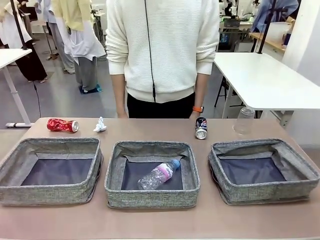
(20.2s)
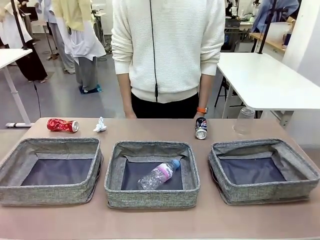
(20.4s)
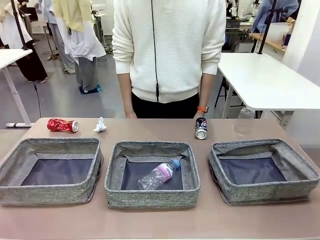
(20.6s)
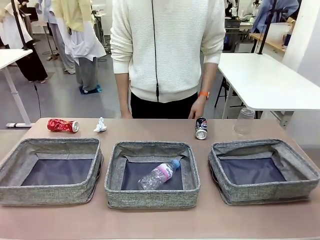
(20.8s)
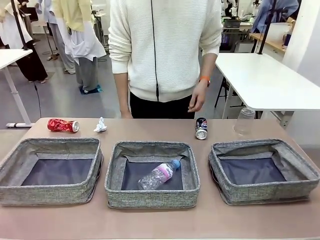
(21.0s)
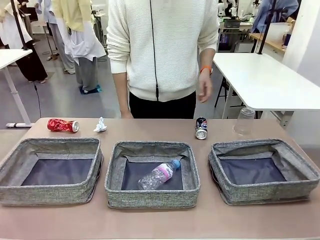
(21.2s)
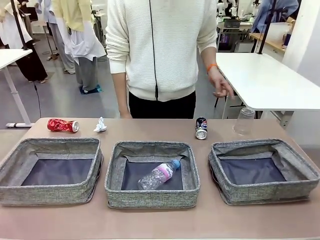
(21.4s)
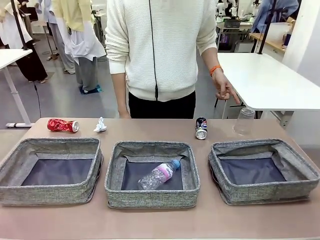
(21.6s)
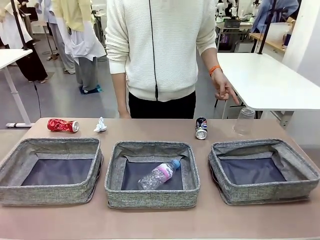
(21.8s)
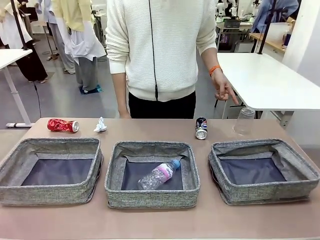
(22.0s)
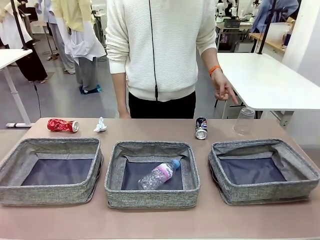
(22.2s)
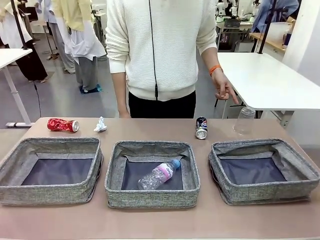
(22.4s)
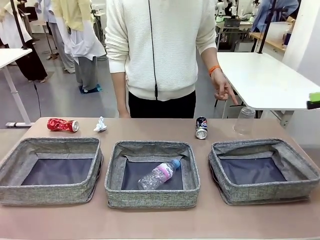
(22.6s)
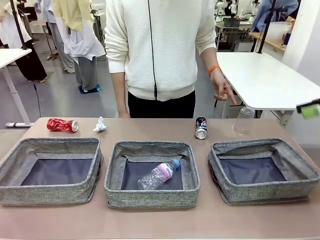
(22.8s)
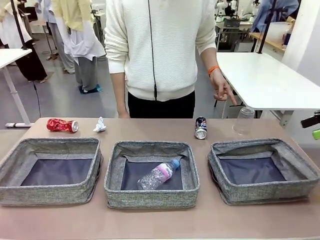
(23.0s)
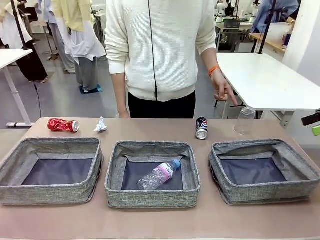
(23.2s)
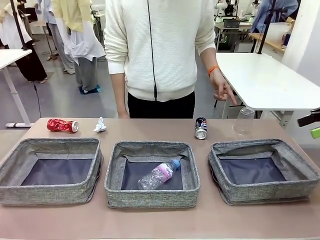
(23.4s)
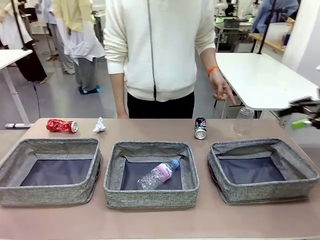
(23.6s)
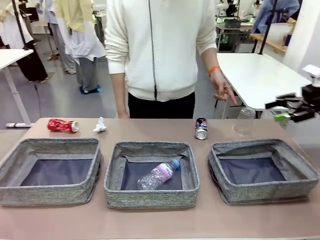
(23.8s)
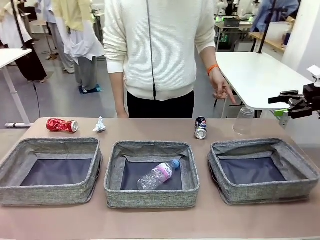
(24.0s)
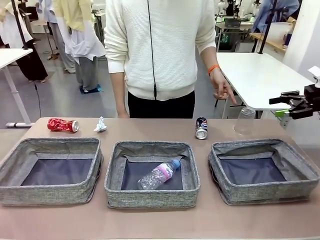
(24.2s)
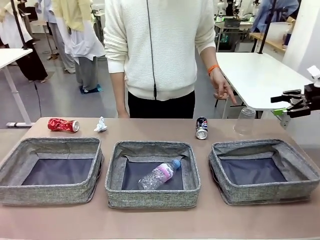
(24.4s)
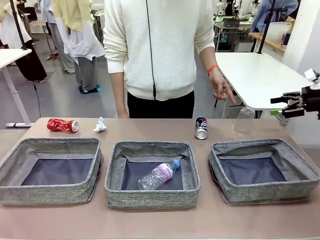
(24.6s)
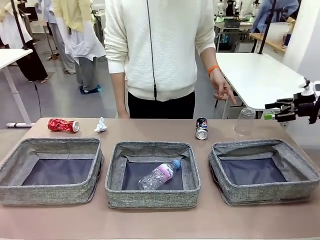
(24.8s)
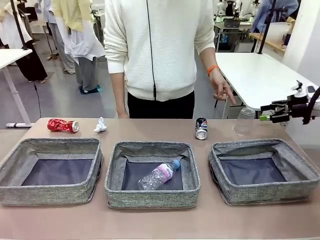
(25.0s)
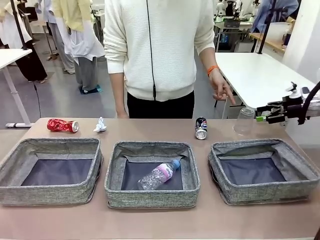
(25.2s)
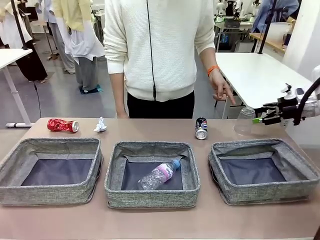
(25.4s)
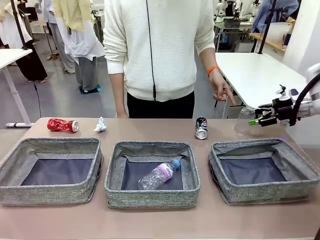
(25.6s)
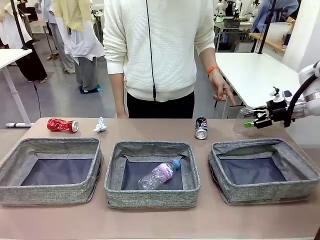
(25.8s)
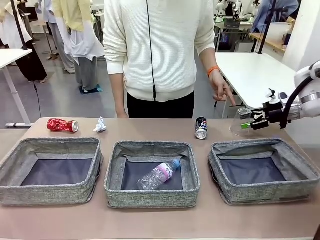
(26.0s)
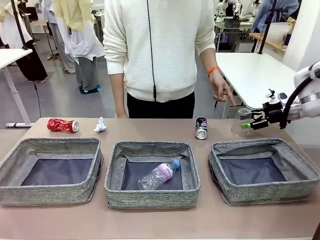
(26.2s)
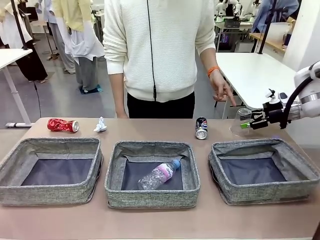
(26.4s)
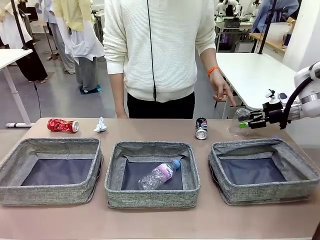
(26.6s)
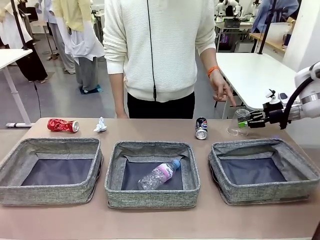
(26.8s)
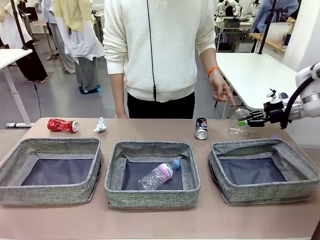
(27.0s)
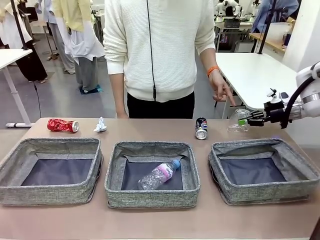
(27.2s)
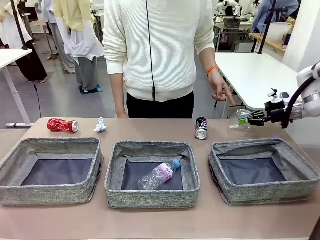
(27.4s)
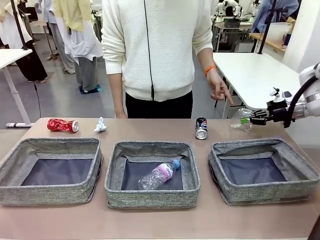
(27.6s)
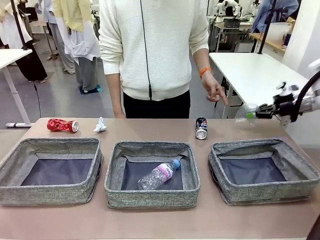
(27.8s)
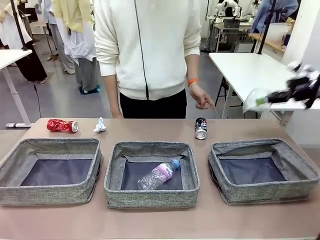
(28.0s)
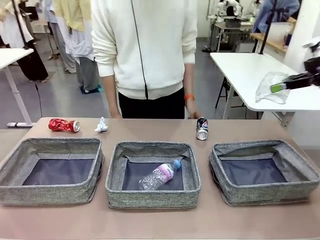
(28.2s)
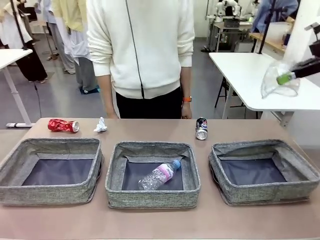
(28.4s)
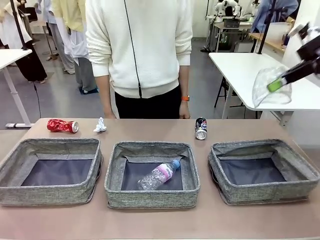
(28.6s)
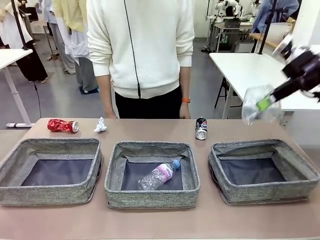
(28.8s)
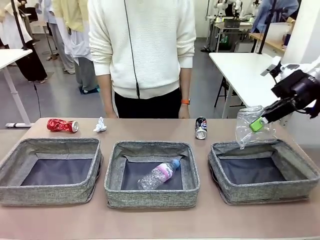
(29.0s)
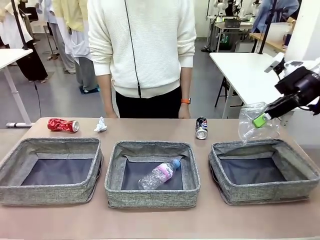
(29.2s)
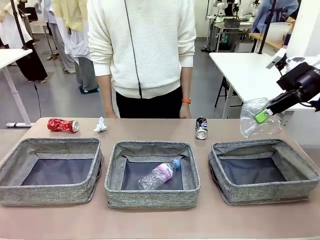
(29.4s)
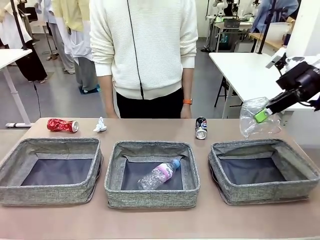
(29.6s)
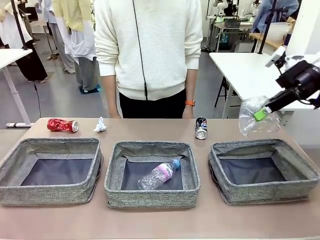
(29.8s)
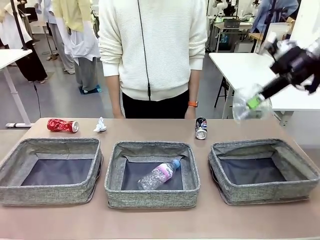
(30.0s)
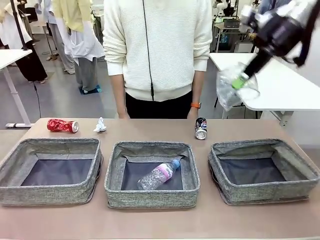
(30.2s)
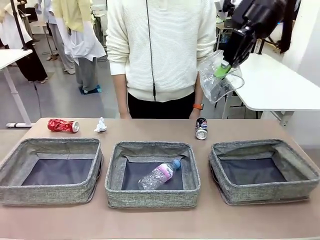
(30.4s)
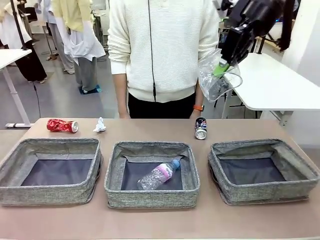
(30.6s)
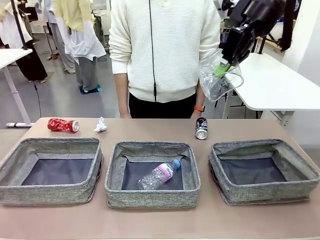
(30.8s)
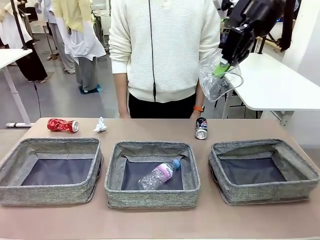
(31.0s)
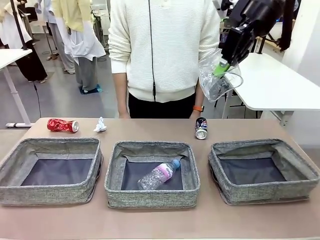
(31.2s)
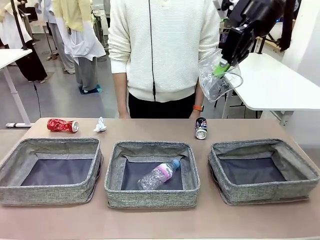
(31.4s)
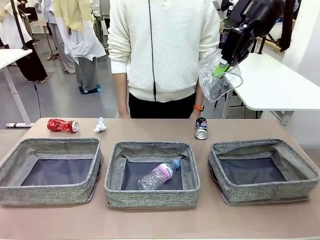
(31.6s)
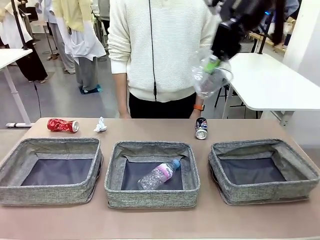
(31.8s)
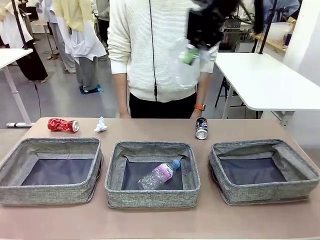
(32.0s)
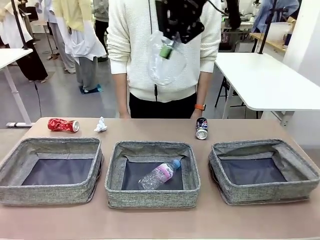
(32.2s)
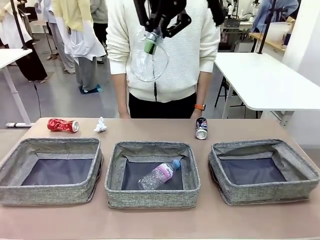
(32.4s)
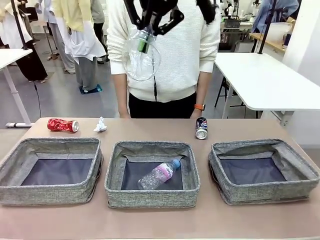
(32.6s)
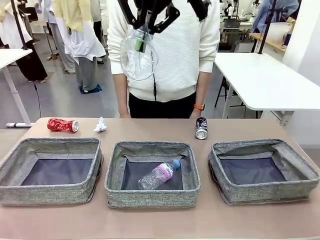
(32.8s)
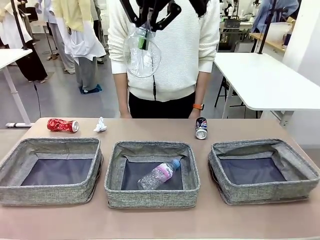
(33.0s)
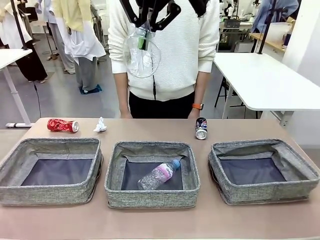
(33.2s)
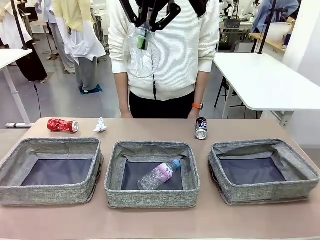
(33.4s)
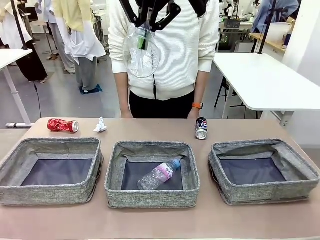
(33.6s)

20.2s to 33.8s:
Task: Sort the waste into the appropriate baskets.
Robot: Pick up the waste item pointed out by the person.
Person: Points to one piece of trash on the table.

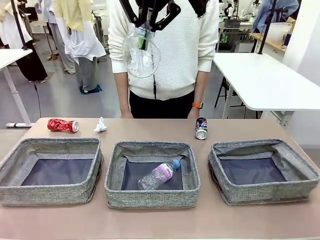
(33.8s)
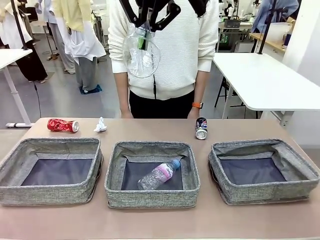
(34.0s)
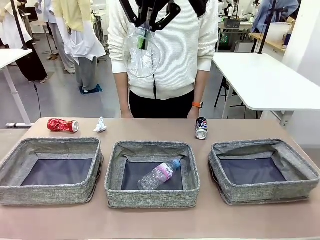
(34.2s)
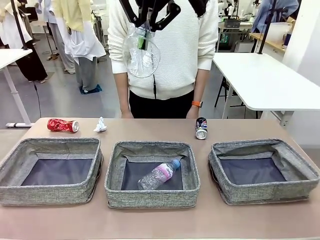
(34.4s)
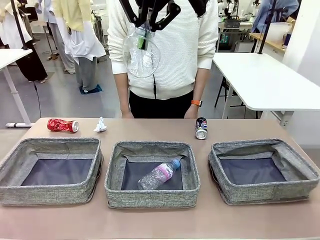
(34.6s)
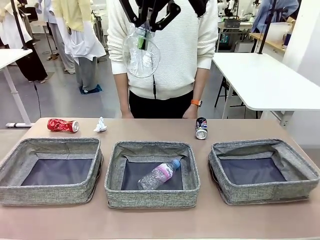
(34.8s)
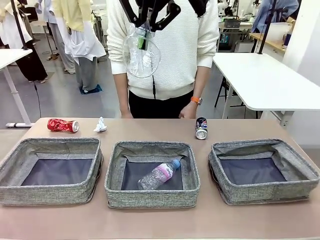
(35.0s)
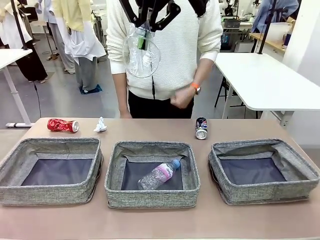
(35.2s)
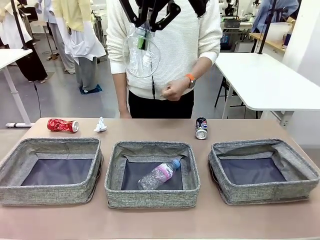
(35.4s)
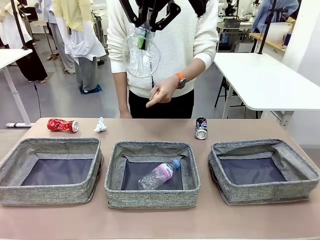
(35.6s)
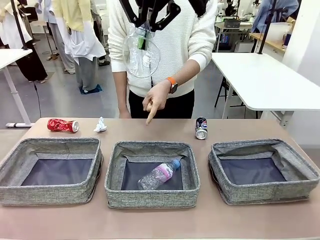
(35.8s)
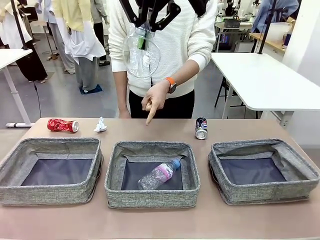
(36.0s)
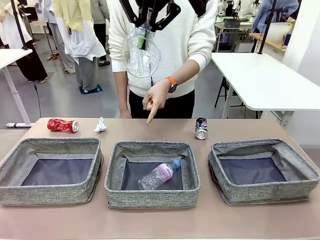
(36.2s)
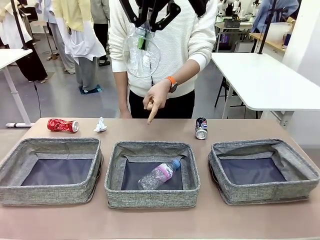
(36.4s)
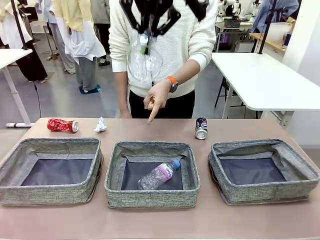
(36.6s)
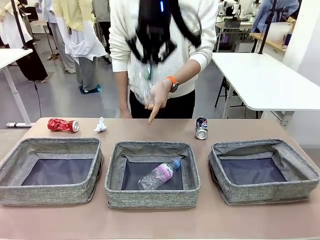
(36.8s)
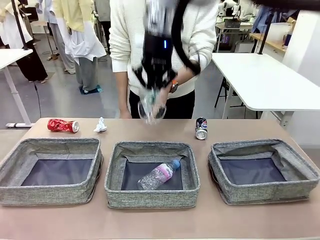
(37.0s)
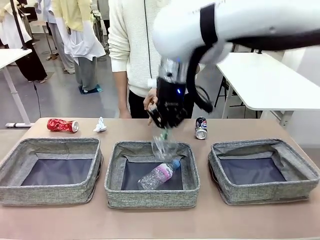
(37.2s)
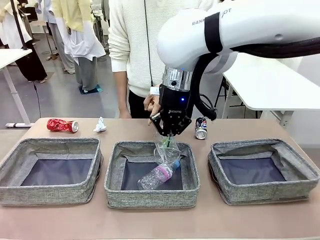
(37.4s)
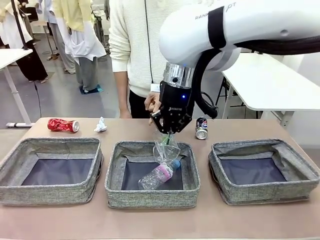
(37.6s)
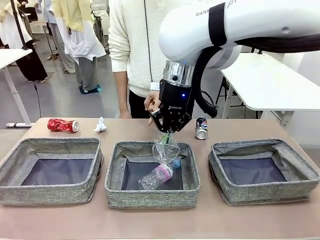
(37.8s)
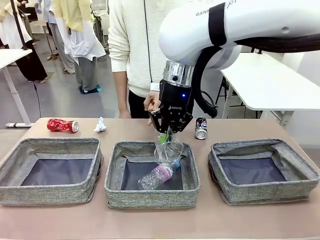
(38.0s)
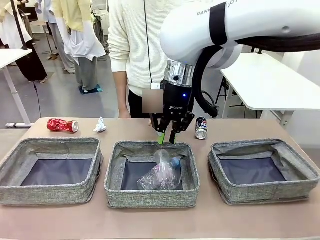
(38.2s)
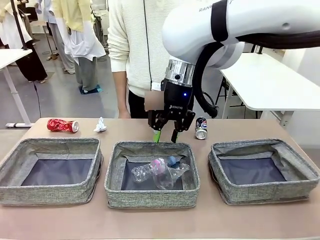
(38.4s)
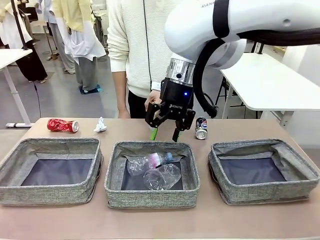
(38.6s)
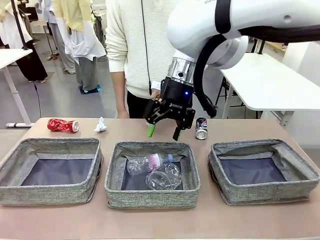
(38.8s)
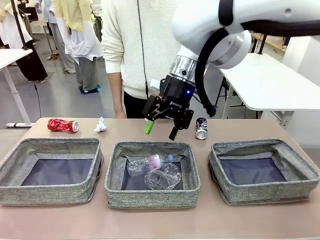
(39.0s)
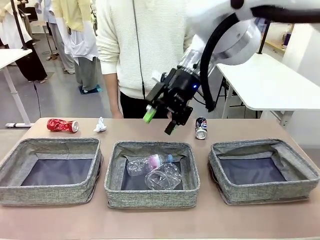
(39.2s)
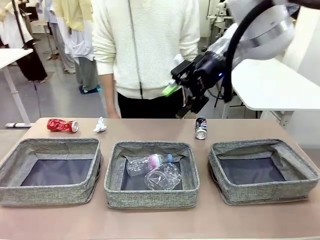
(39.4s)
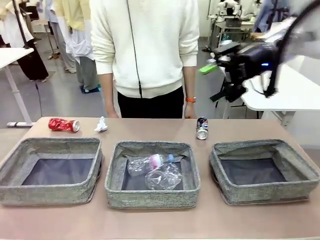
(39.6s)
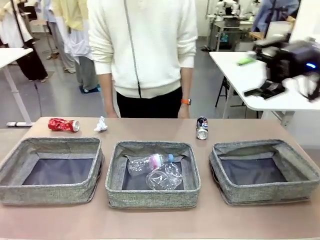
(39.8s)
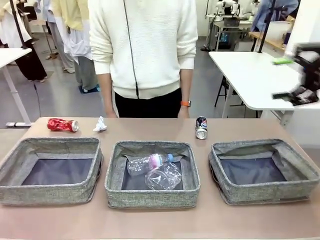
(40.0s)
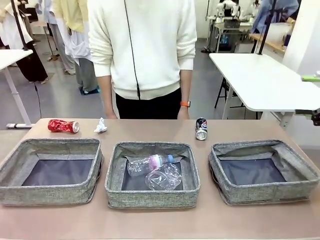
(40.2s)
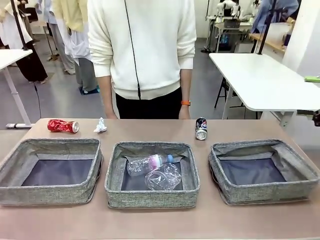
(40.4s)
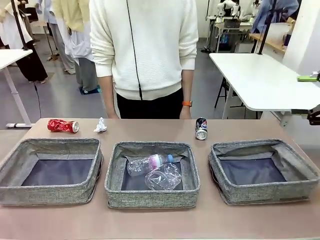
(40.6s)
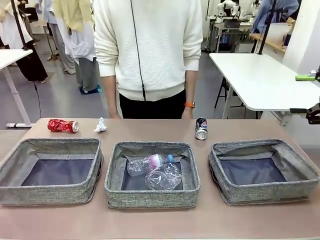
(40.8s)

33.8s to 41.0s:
Robot: Place the picked waste into the Fabric basket indicated by the person.
Person: Instructs the robot to place the picked-up trash into the appropriate organizing basket.
